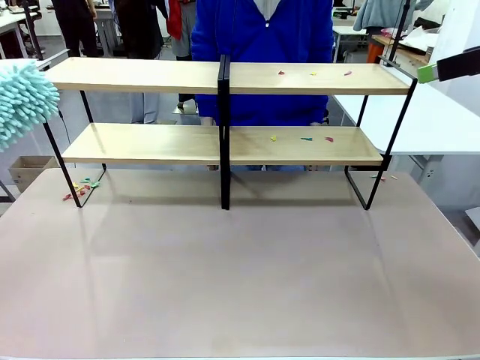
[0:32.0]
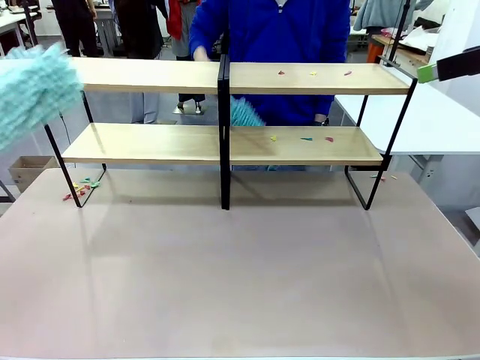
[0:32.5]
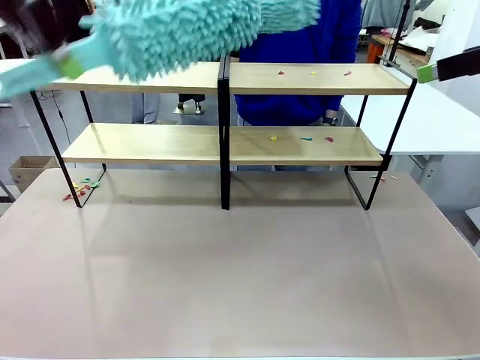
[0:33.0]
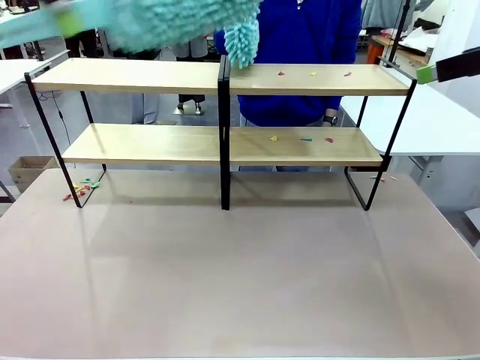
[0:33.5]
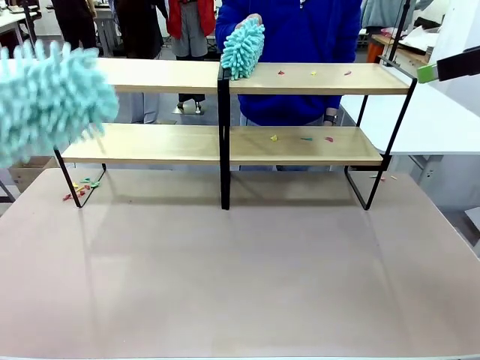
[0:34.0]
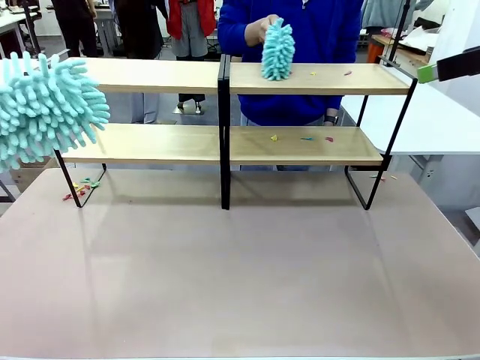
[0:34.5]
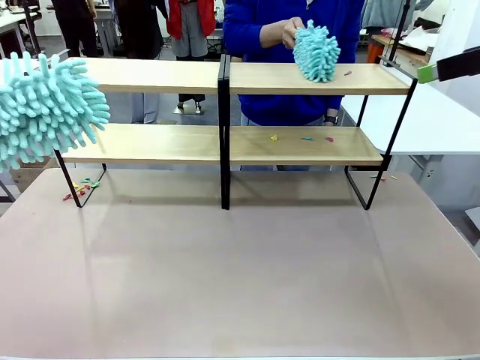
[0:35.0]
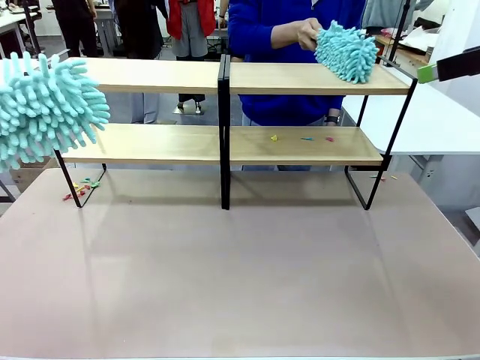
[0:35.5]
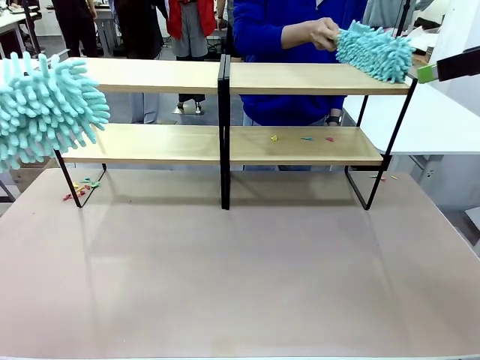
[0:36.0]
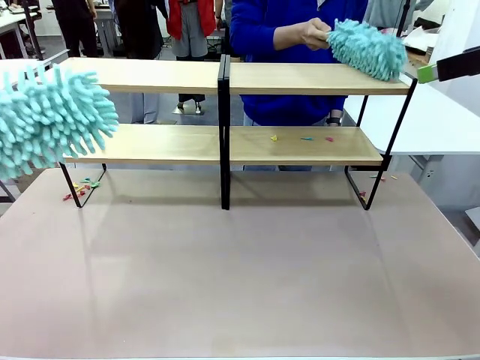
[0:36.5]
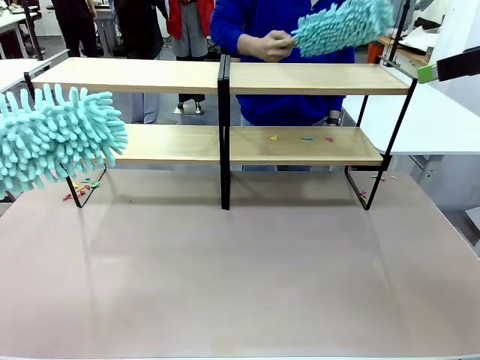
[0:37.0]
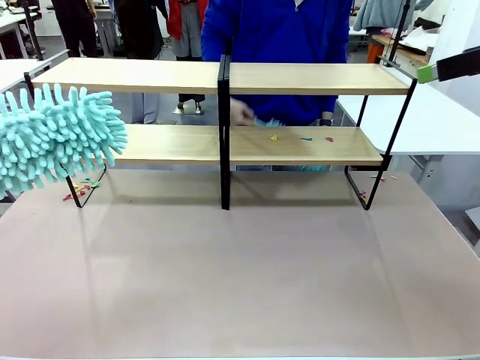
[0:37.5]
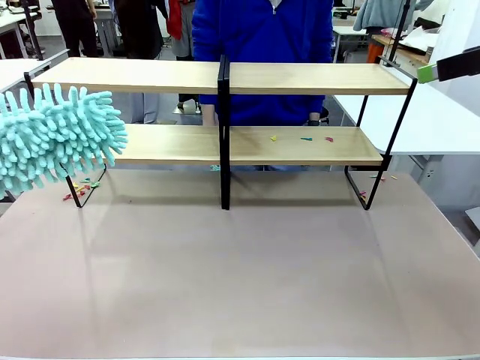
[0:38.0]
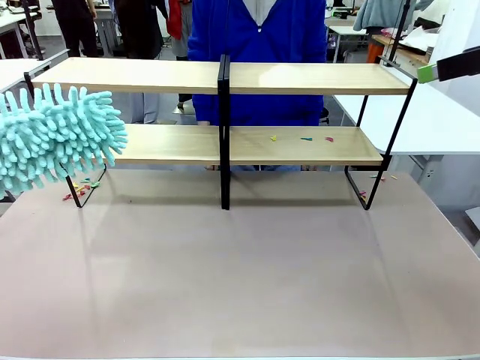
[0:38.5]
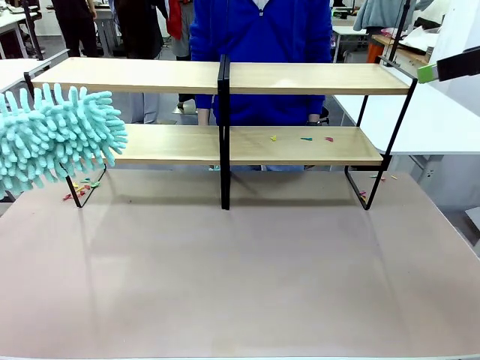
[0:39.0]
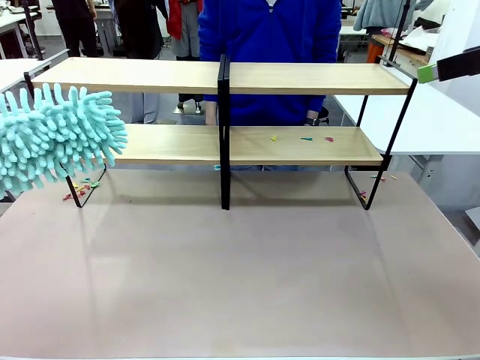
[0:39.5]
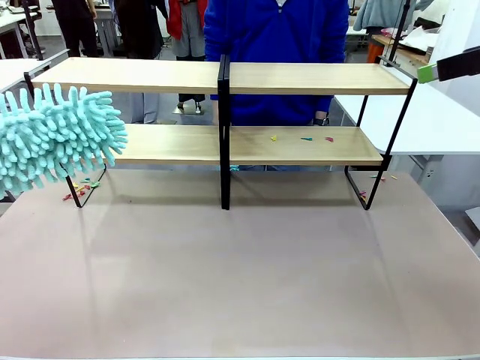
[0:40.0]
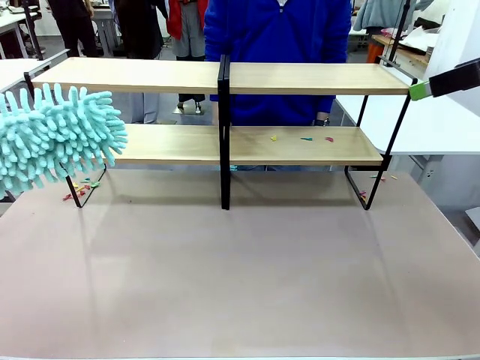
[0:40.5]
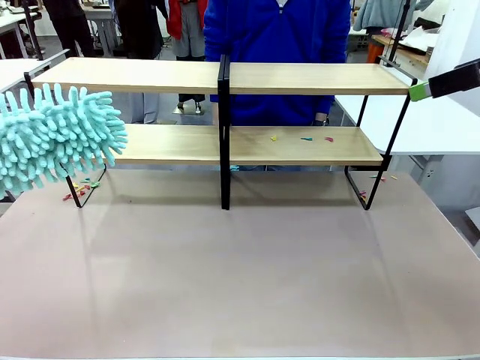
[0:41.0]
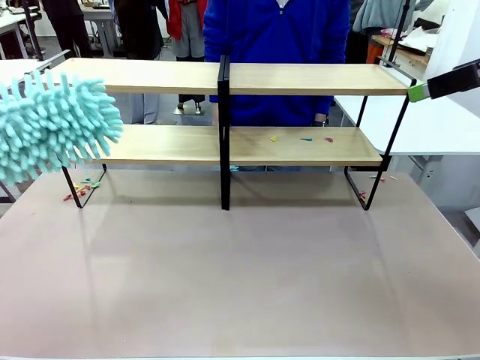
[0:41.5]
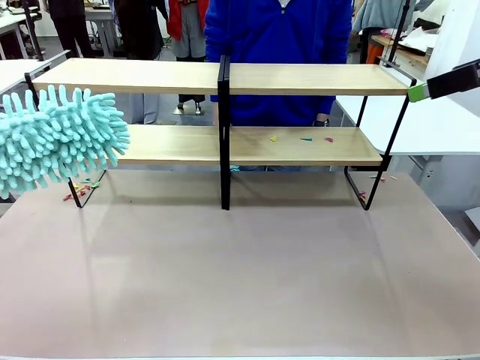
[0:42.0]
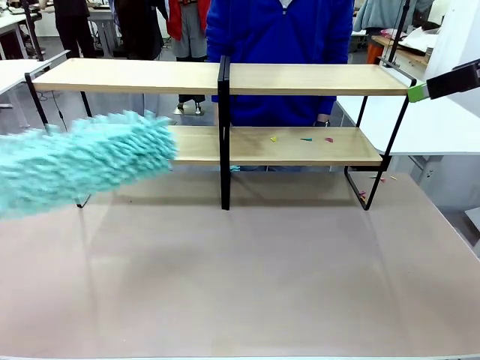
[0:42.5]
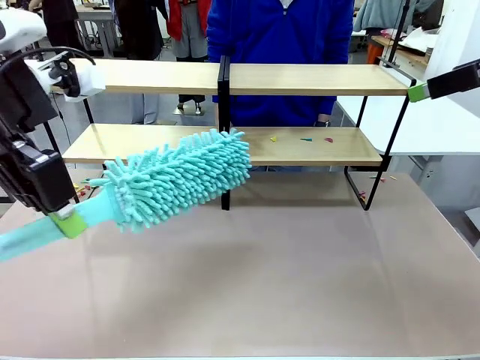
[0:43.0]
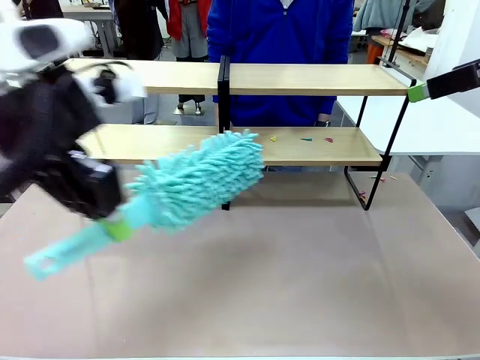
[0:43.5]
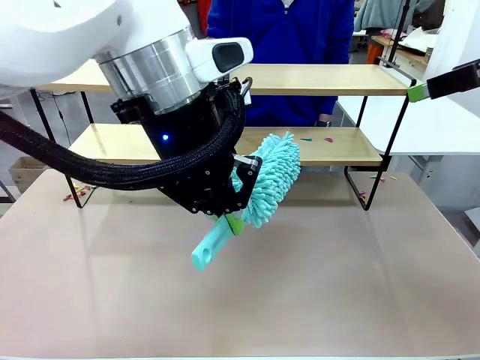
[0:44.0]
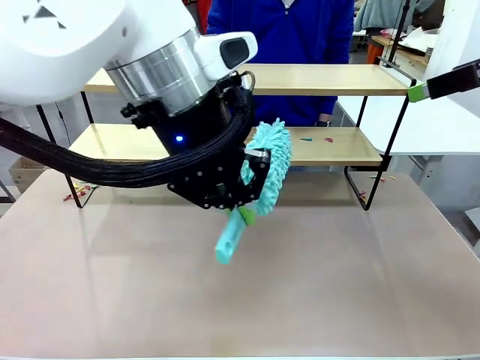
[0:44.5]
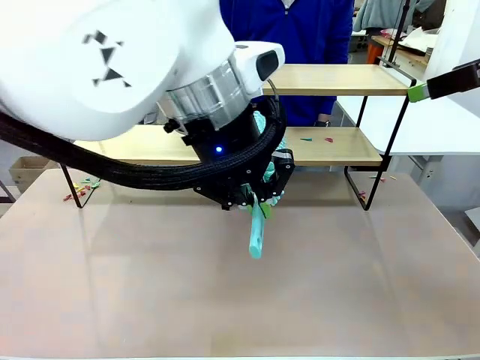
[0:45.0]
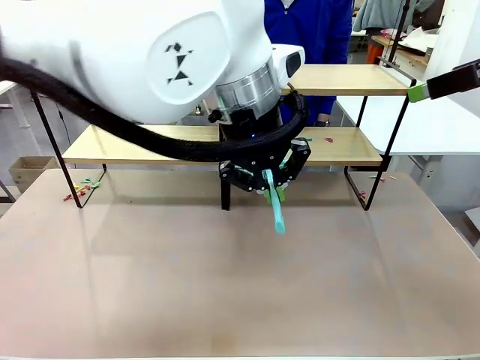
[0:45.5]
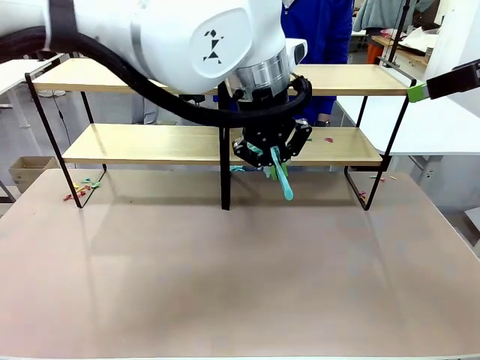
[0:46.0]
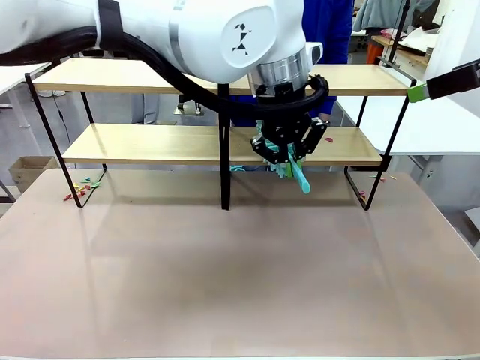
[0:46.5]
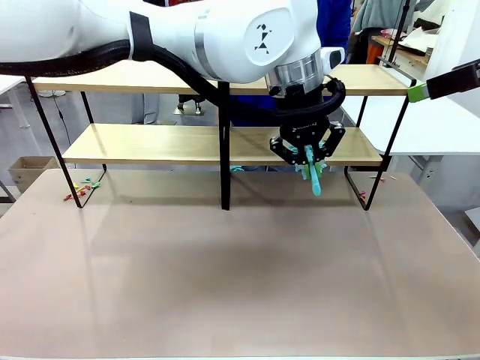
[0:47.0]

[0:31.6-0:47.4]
Task: Clean the shelves.
Robot: Clean another randomly selected level of the Shelf with the Duster.

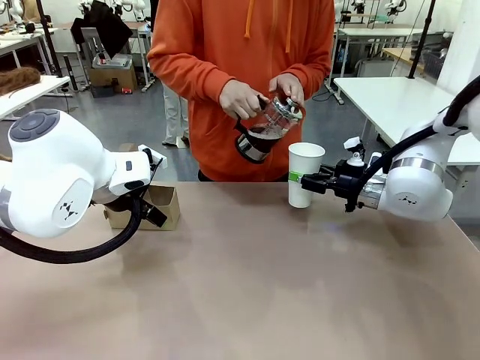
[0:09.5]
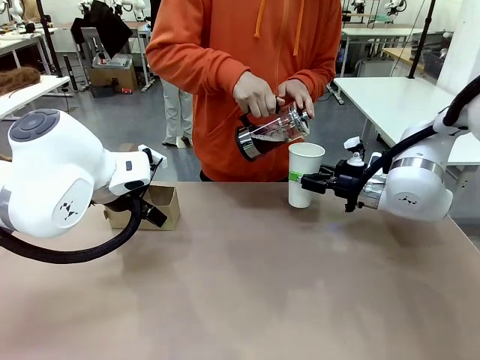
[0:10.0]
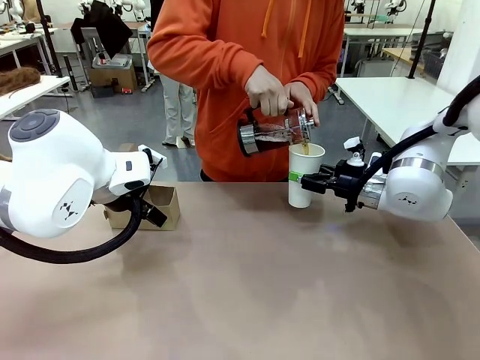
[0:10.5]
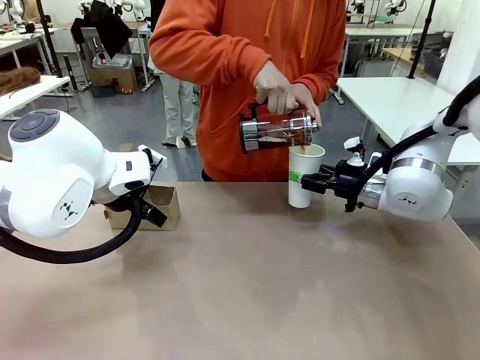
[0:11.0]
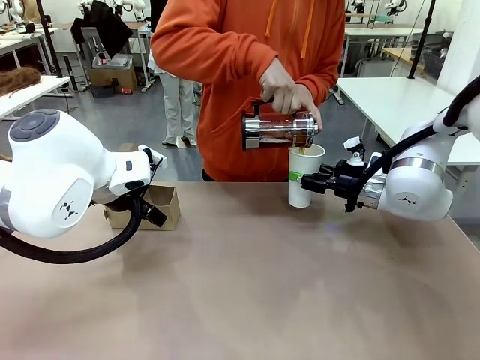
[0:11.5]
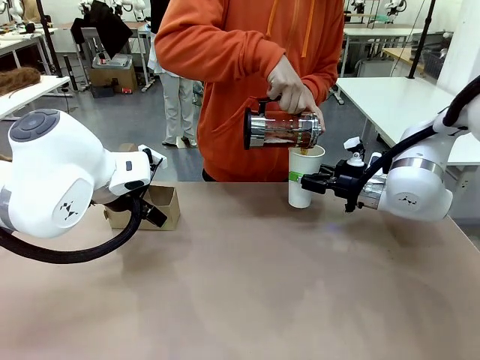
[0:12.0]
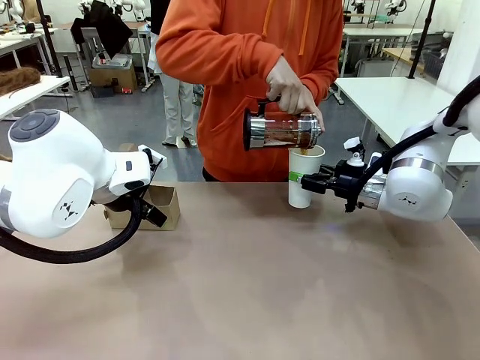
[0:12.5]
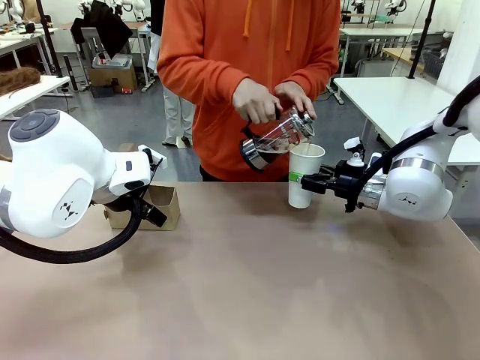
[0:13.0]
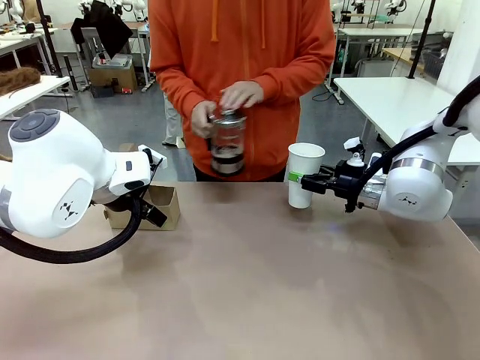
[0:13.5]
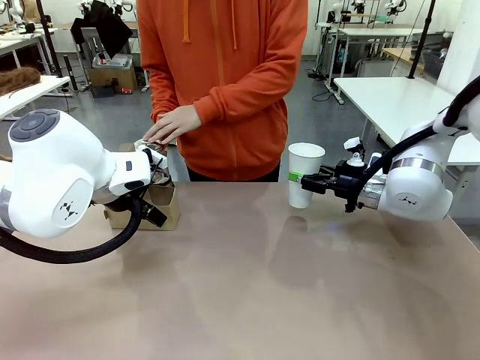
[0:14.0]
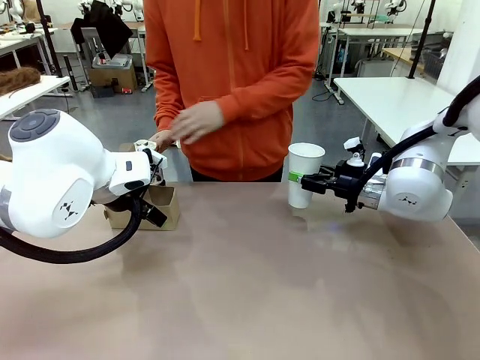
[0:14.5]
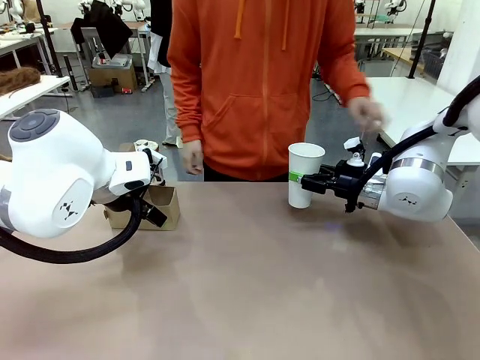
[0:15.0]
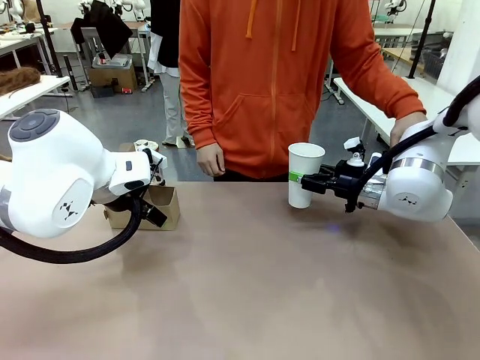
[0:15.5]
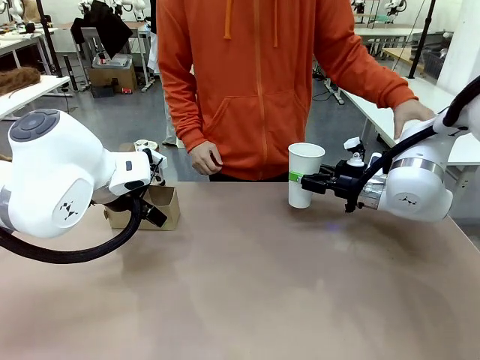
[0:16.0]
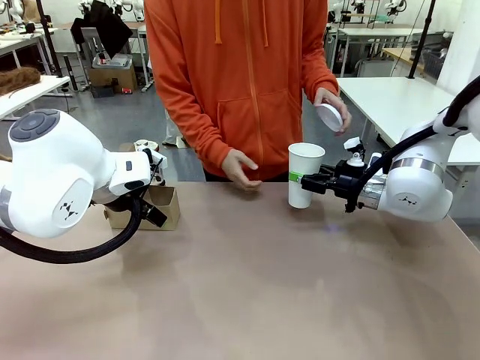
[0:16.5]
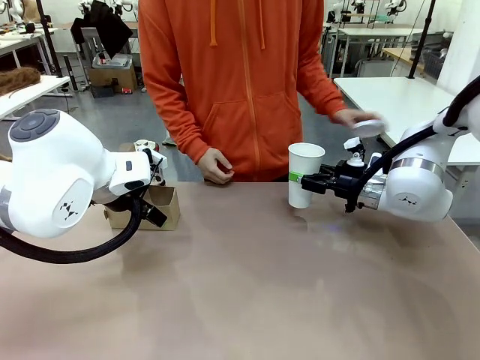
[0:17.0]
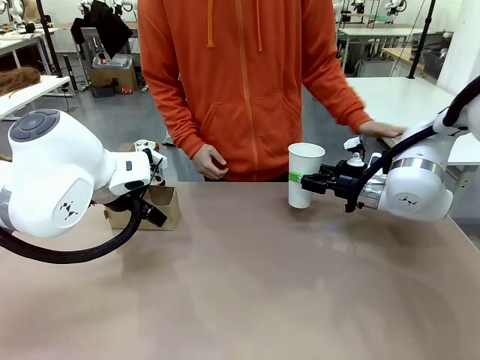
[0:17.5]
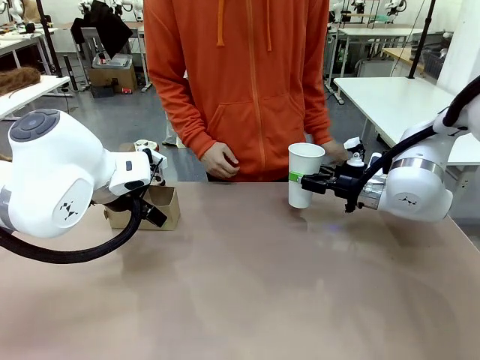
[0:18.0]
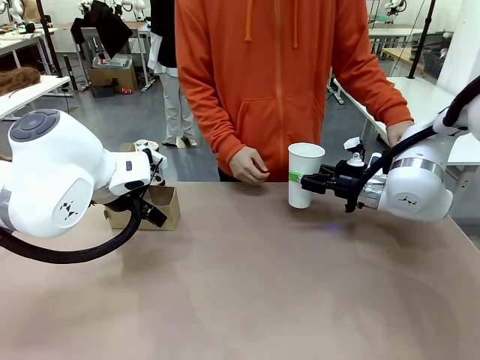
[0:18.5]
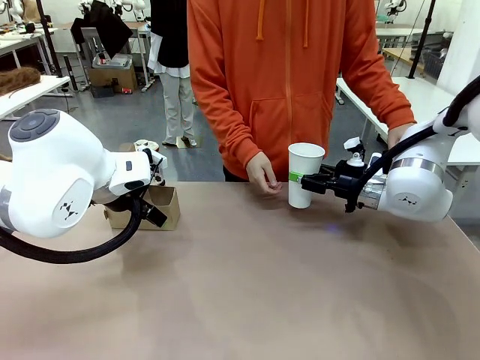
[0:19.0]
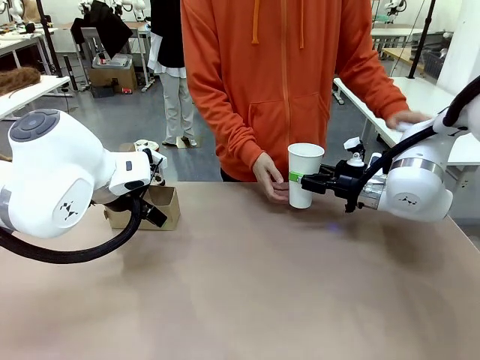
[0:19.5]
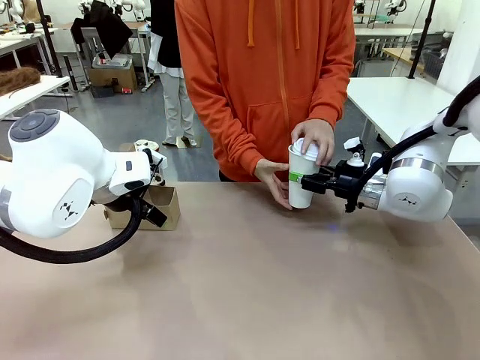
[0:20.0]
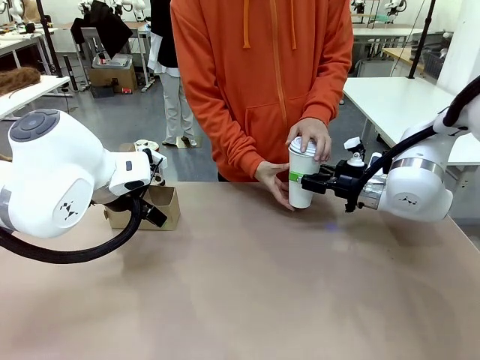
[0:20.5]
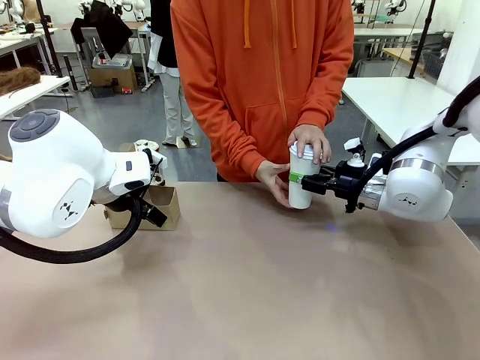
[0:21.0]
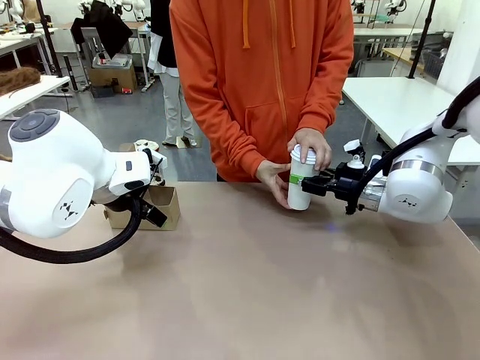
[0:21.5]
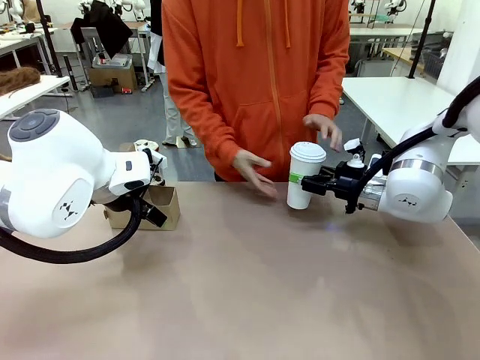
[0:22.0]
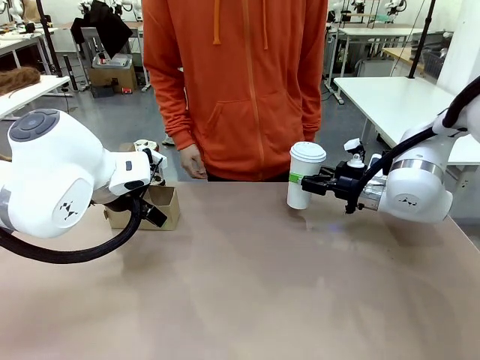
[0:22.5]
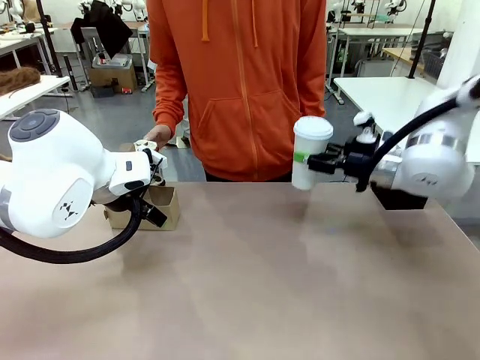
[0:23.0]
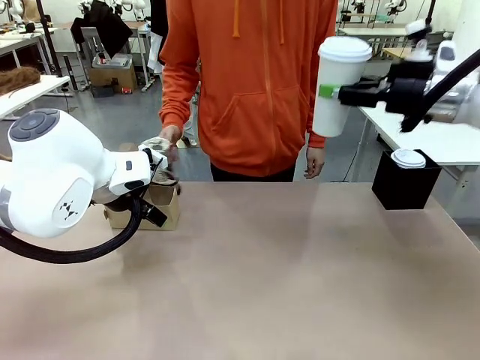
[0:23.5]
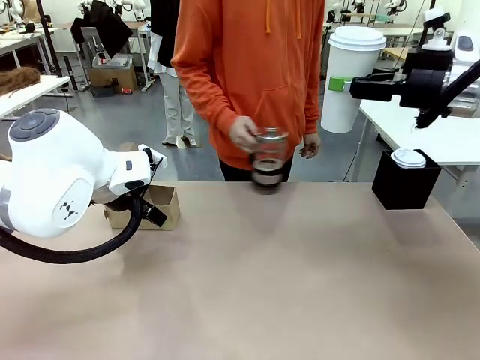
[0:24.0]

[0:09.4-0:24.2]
Task: Pour a drink into a cup and package it in a carrier.
Robot: When a person places the Paper Cup Lid on the 600 ml Paper Cup , lift the 600 ml Paper Cup.
Person: Pour the drink from the Filter Brewing into the 600 ml Paper Cup. Place a Paper Cup Lid on the 600 ml Paper Cup.
